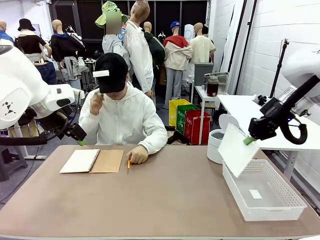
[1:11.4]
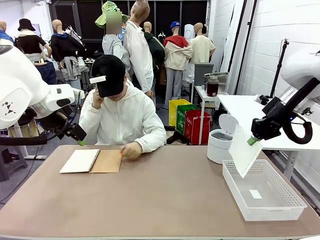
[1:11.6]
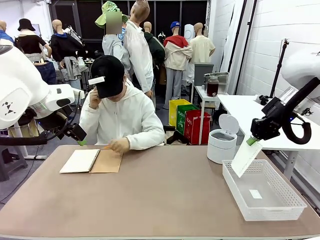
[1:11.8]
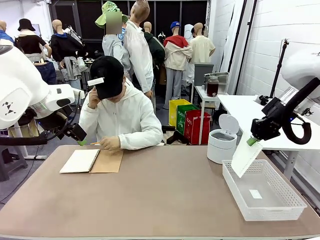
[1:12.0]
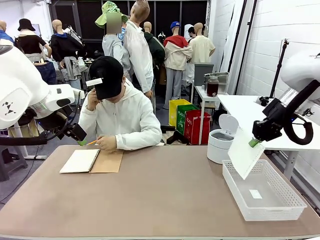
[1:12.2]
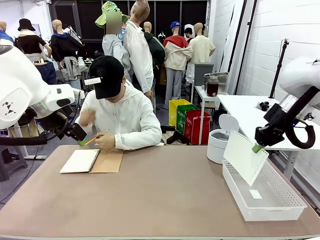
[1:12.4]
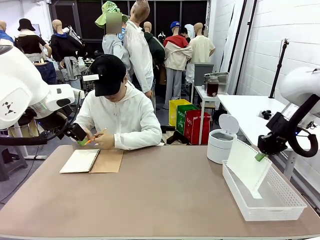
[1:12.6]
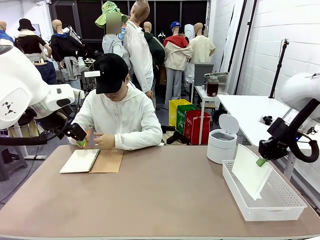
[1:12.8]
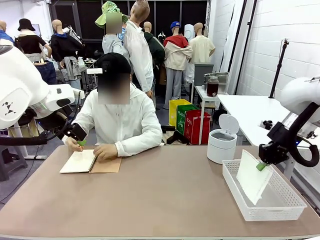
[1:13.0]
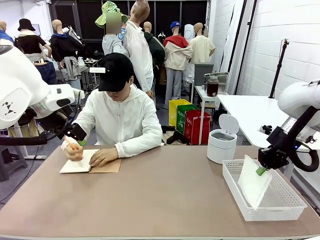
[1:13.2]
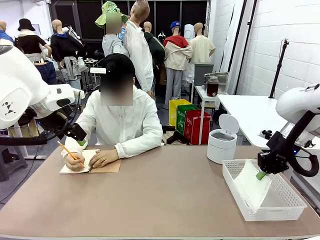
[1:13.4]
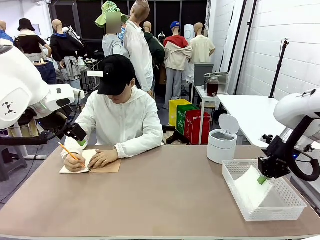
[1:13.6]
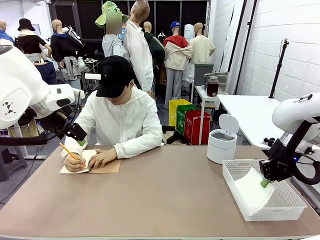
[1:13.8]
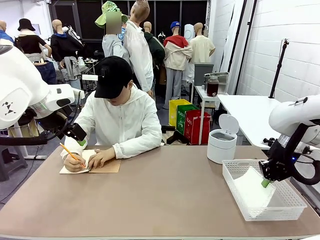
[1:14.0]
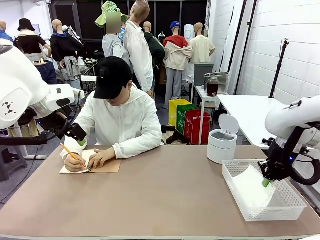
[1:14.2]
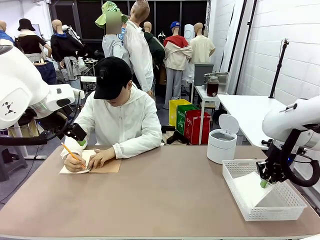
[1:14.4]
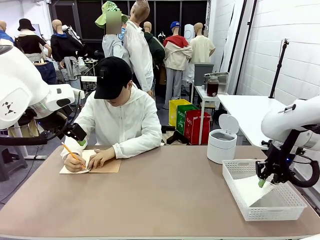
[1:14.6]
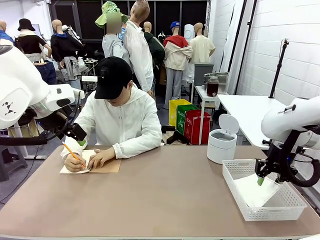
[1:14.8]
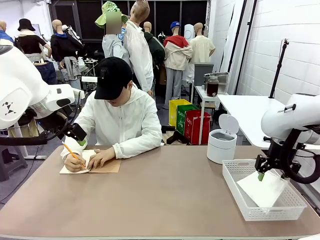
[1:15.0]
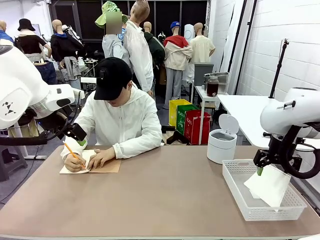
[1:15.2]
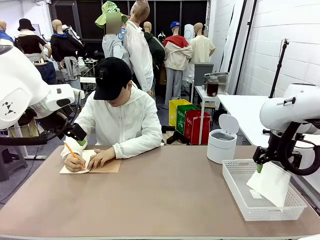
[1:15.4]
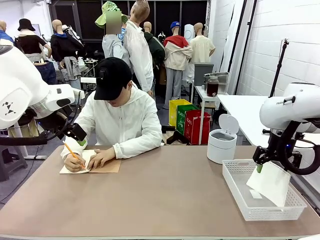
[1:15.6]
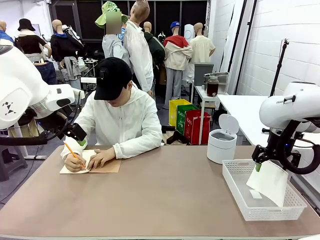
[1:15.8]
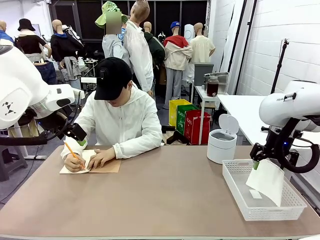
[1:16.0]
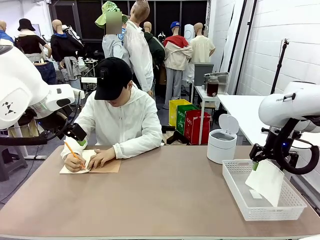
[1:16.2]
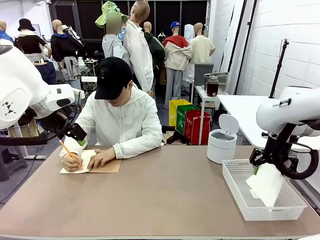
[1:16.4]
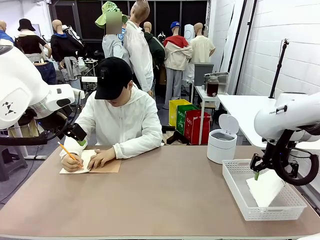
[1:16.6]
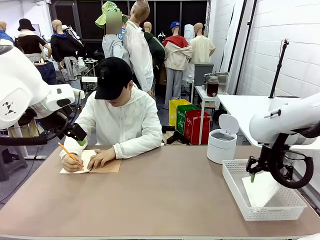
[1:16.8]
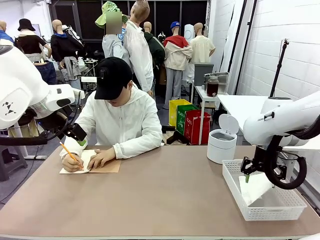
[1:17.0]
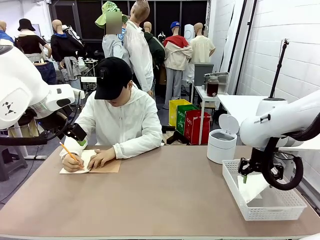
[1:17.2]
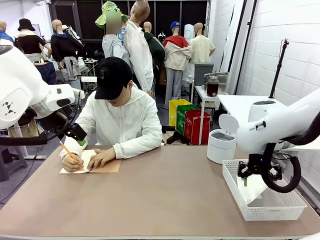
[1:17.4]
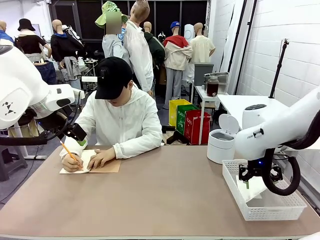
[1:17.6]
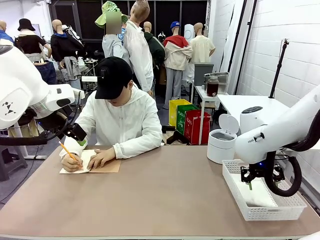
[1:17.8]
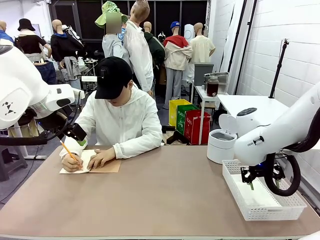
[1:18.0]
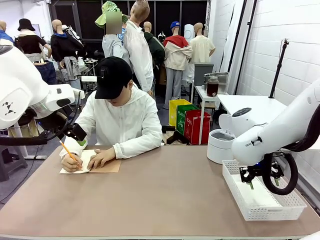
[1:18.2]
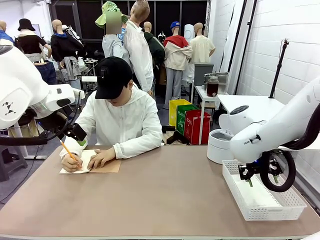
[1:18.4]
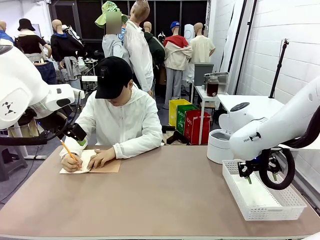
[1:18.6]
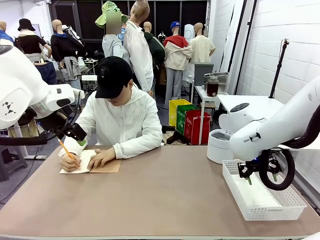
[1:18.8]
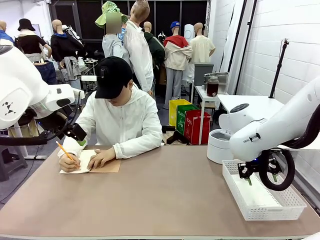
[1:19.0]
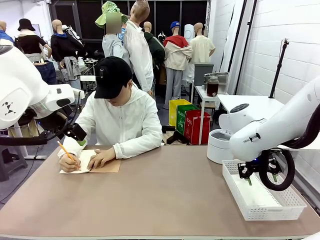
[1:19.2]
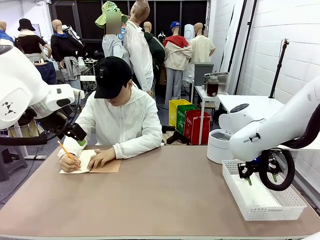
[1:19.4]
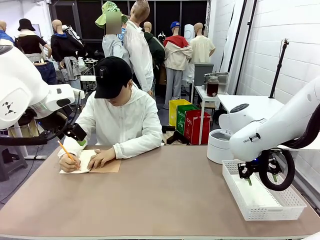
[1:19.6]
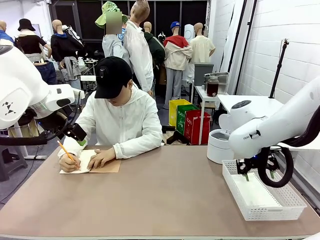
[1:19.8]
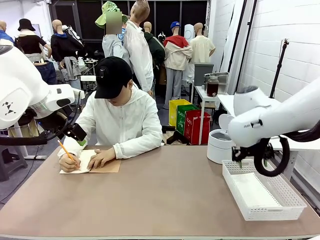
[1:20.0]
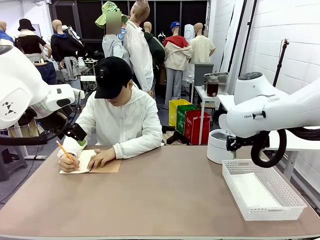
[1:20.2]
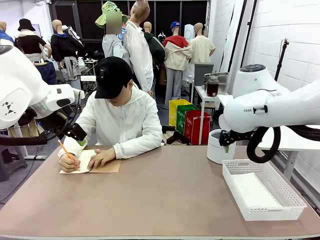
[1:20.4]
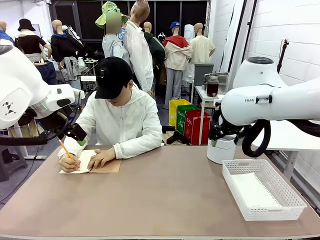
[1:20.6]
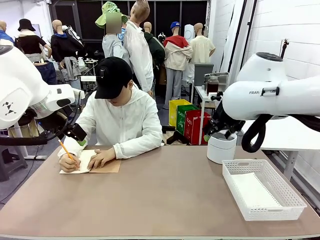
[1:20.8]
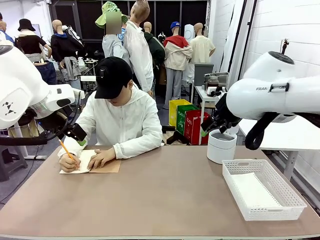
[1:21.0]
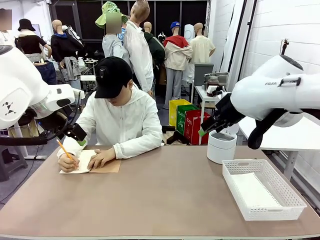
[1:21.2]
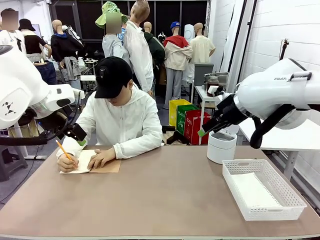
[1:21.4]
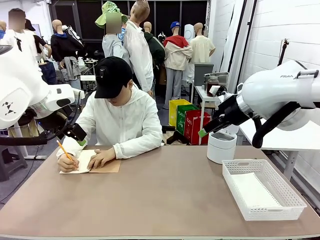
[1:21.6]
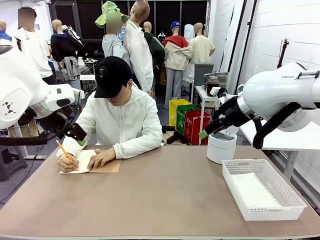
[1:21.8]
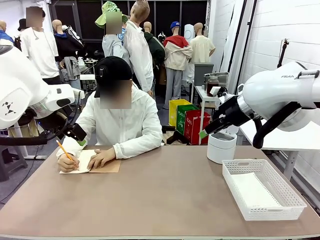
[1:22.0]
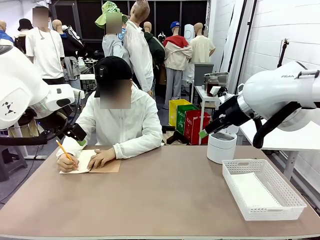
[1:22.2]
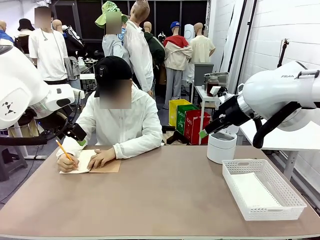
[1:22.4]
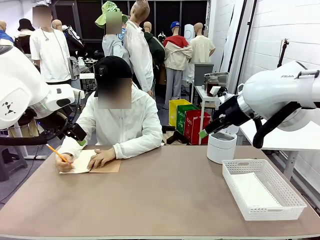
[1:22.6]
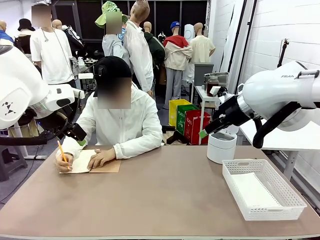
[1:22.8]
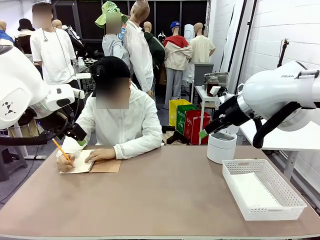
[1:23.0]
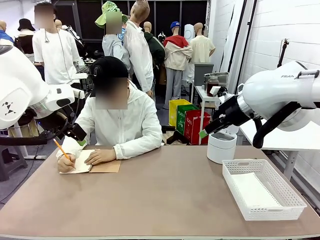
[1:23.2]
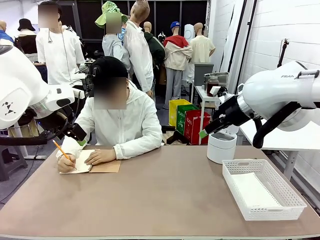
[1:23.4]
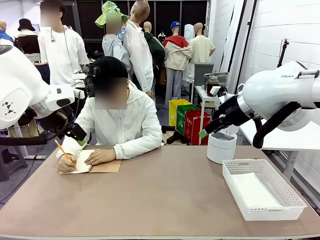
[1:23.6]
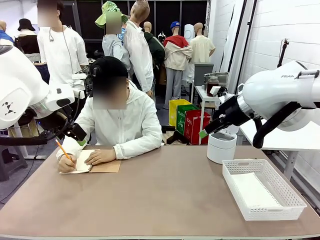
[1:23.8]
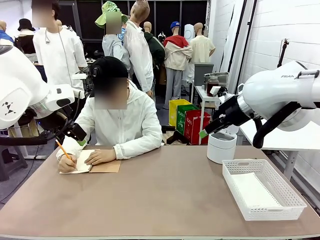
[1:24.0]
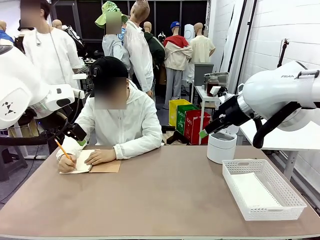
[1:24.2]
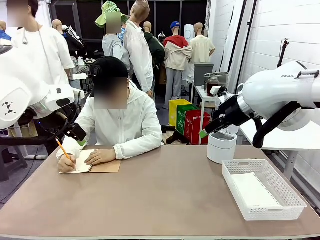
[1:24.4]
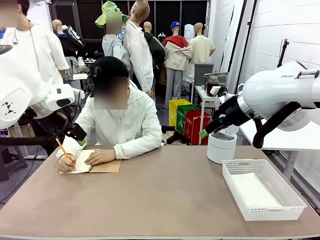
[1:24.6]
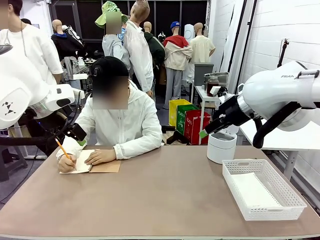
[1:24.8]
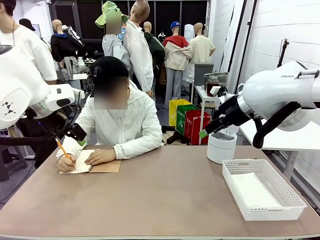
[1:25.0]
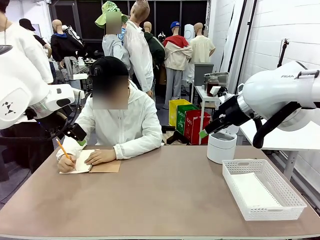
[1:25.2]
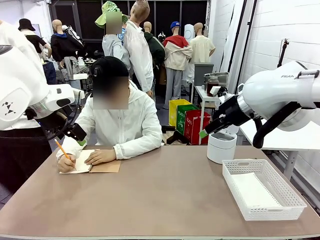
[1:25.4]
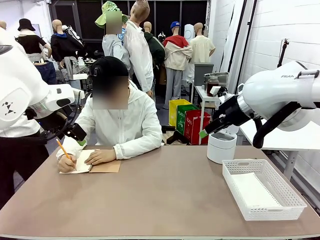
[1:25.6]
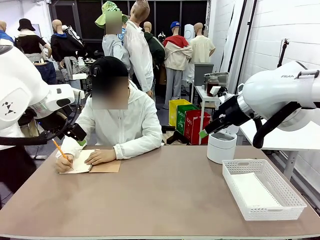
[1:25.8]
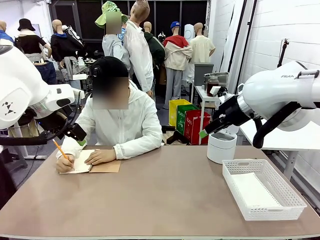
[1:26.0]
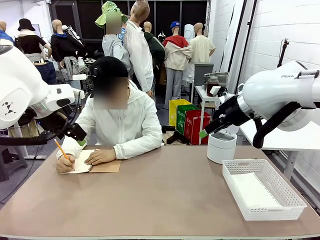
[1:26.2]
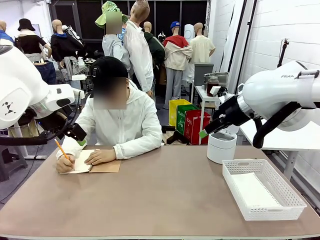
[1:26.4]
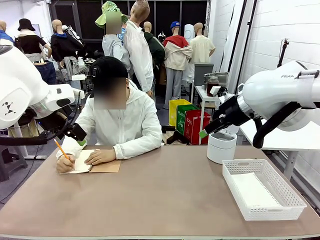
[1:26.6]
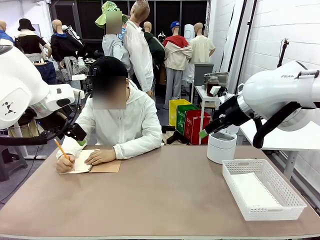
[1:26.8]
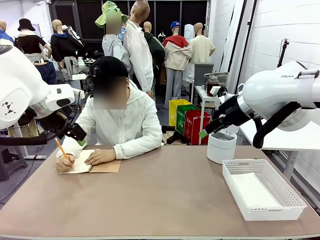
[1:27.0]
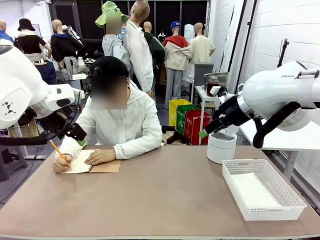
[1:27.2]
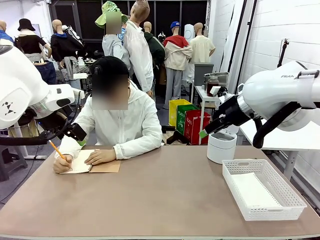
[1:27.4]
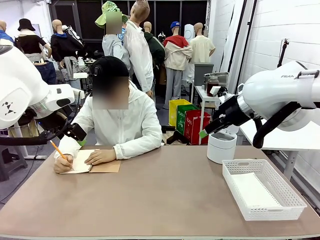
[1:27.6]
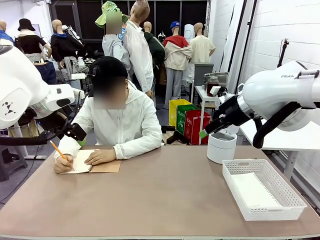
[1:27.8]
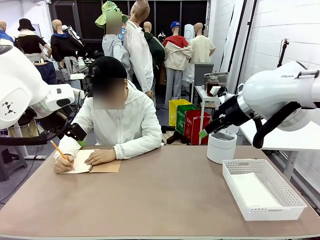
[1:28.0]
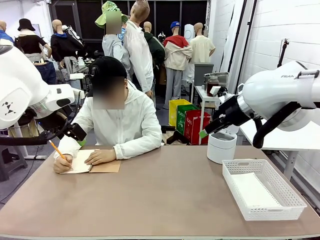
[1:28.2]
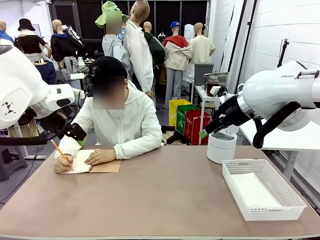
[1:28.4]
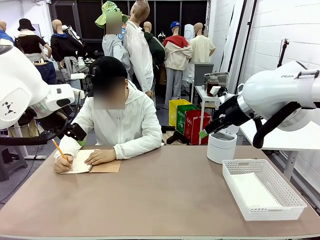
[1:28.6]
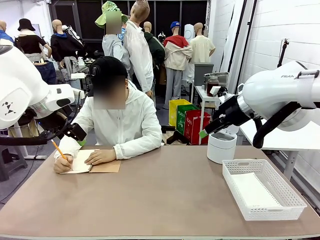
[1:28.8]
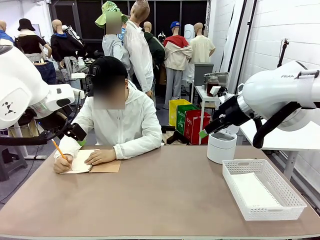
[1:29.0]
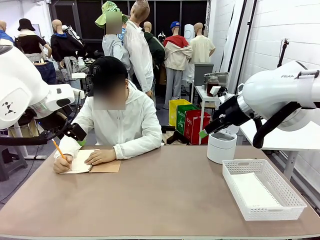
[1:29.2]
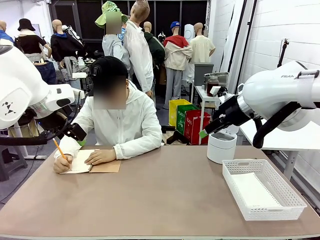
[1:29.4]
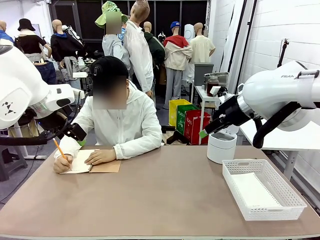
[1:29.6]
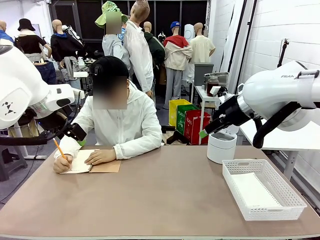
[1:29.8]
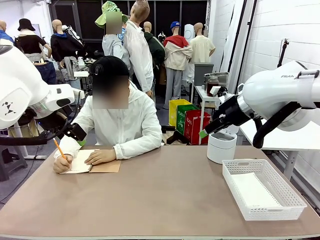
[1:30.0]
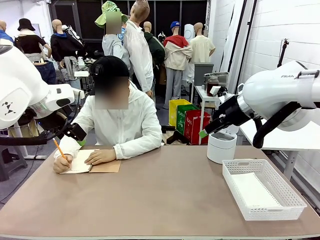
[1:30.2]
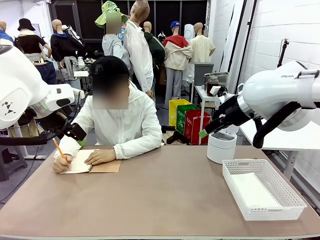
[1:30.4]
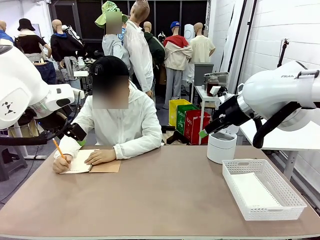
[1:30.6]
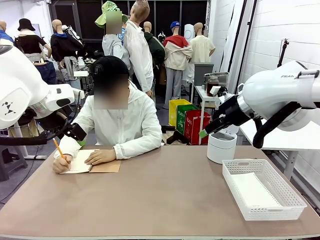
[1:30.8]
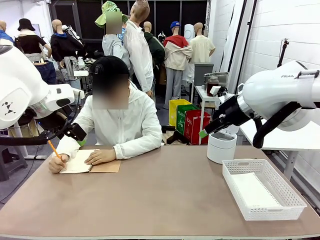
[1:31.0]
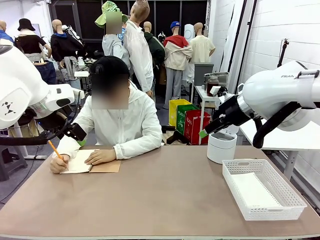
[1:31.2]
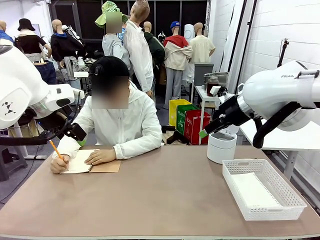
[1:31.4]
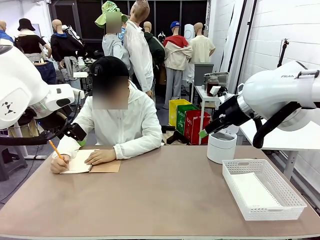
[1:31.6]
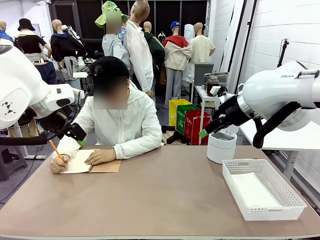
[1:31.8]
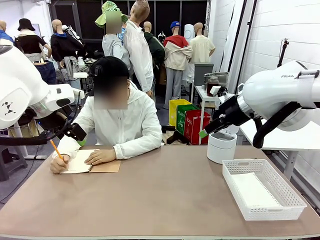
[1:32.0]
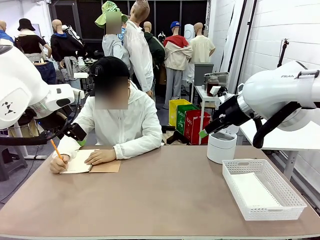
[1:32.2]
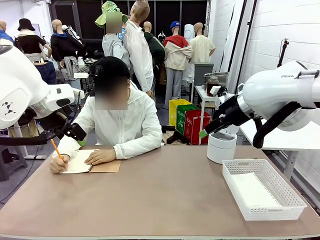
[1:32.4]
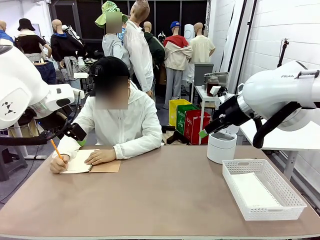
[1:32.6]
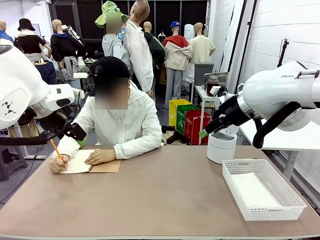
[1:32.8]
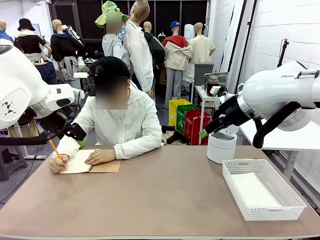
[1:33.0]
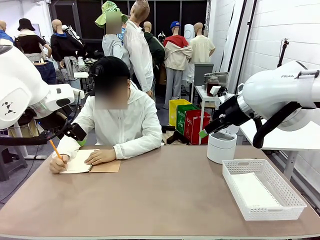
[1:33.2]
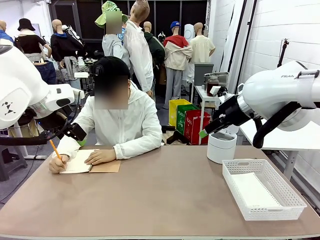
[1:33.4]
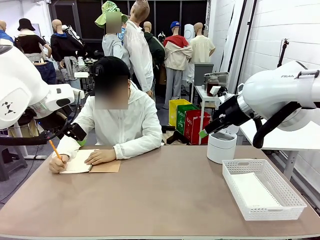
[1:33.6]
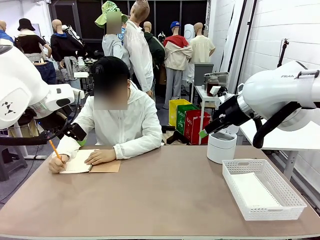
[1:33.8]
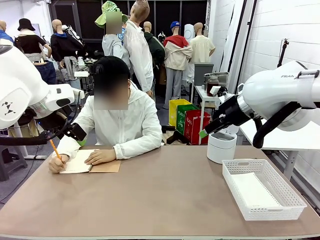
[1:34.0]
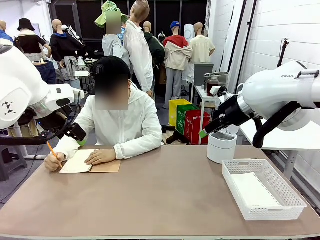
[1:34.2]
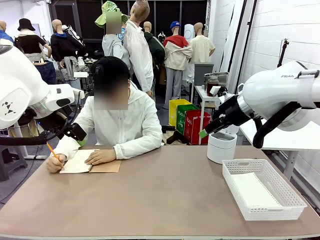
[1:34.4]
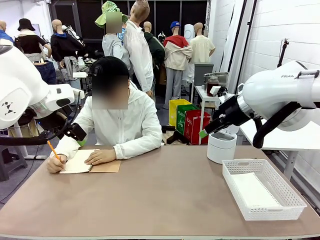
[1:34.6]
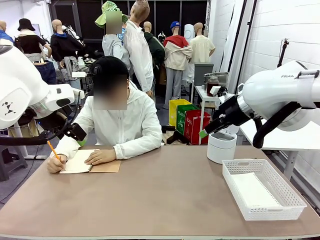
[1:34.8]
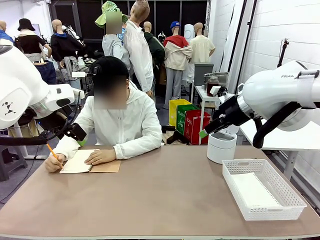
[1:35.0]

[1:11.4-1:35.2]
Task: Sort the paper based on its condition.
Robot: If a person hands you a paper, place it in the Organizing basket , and if it's crumpled, put it in the Trash can.
Person: Tear out a page from the spiral notebook.
